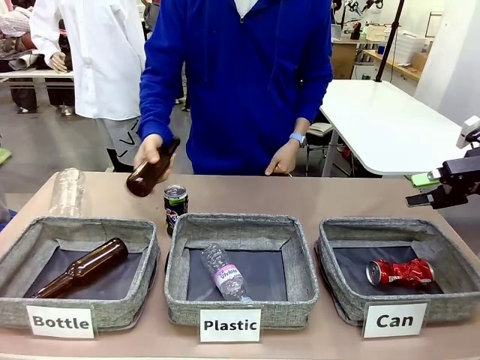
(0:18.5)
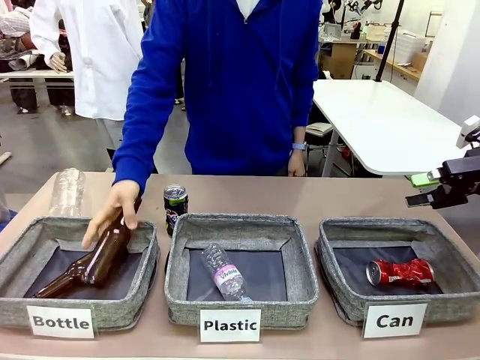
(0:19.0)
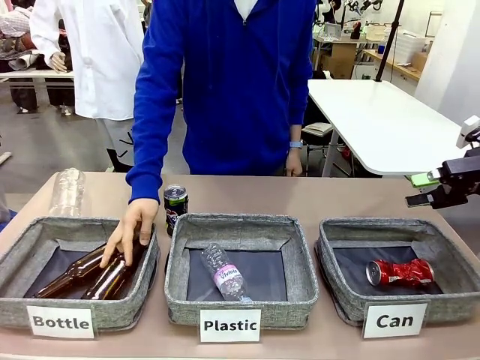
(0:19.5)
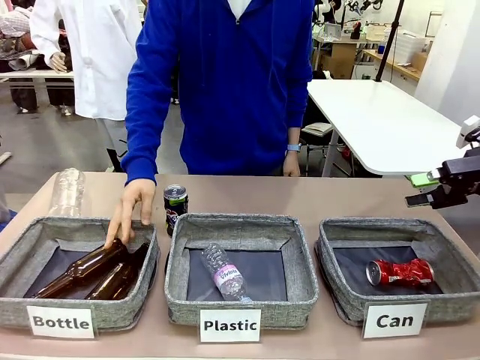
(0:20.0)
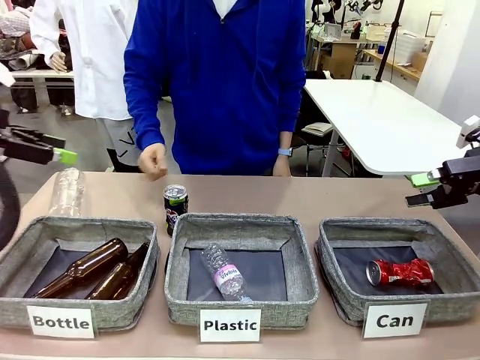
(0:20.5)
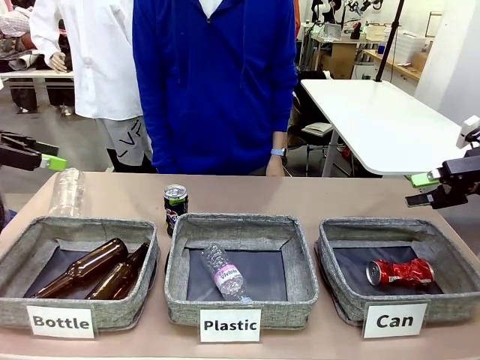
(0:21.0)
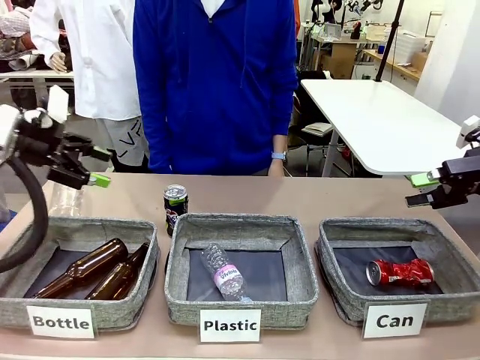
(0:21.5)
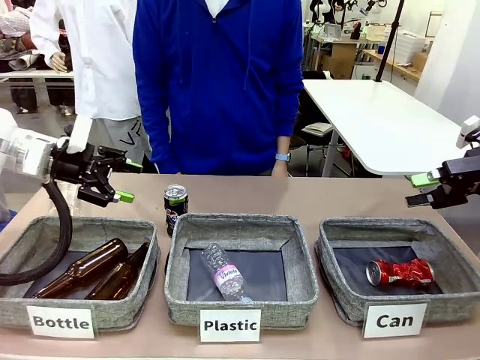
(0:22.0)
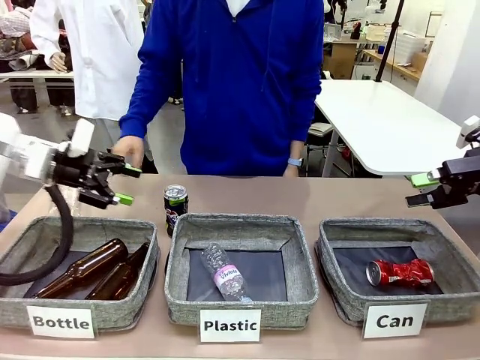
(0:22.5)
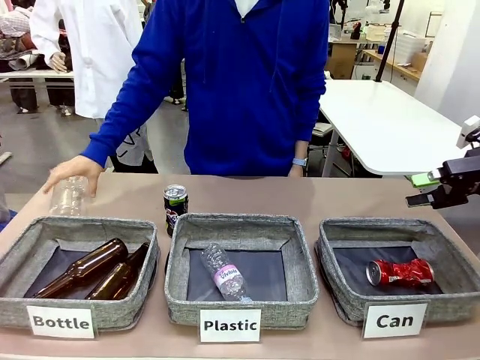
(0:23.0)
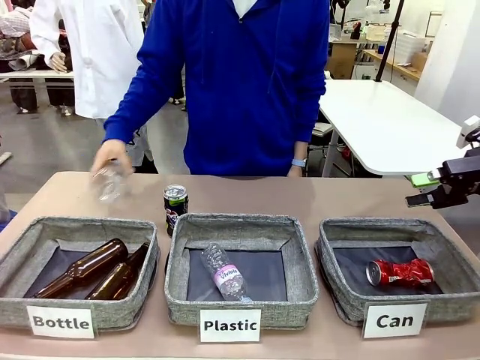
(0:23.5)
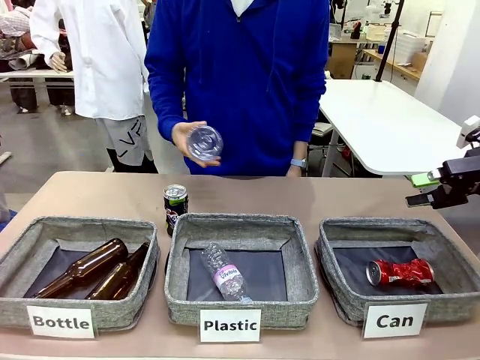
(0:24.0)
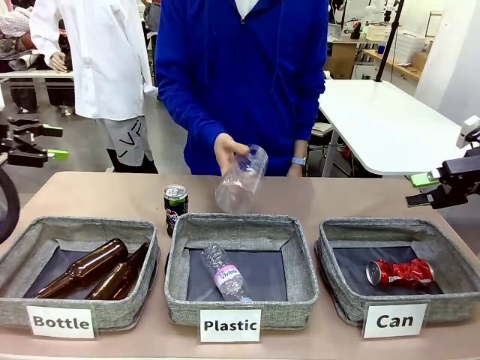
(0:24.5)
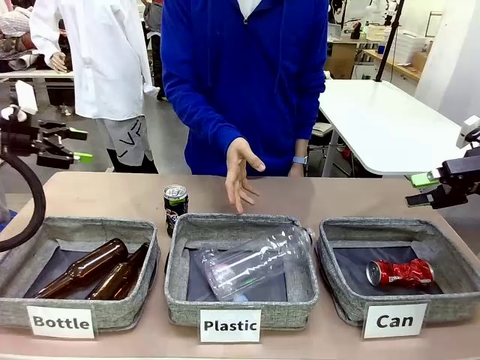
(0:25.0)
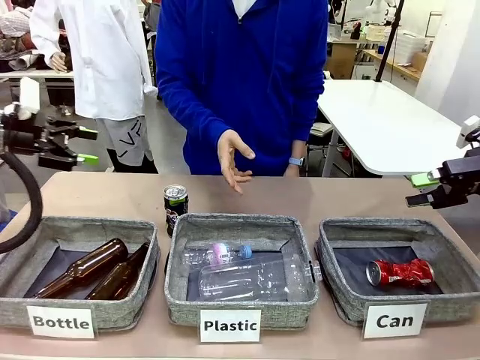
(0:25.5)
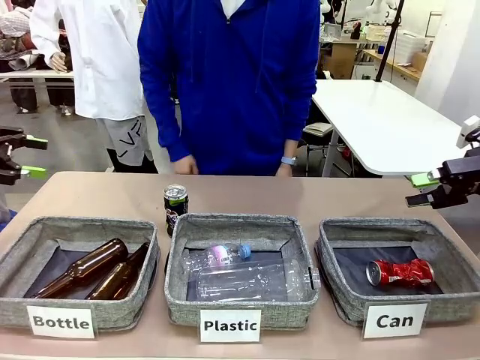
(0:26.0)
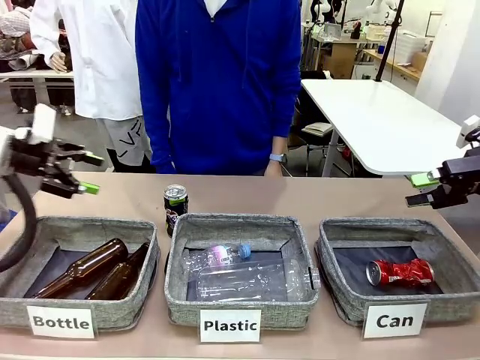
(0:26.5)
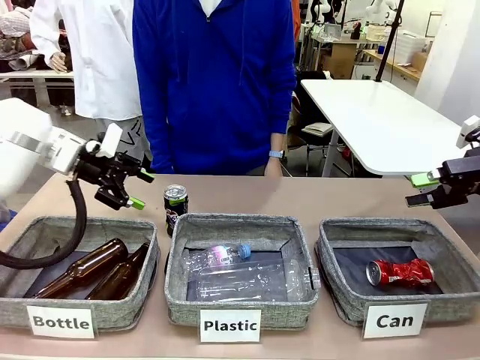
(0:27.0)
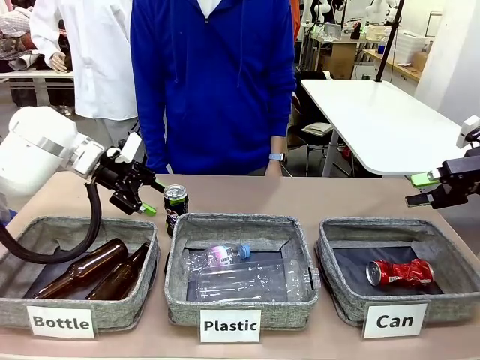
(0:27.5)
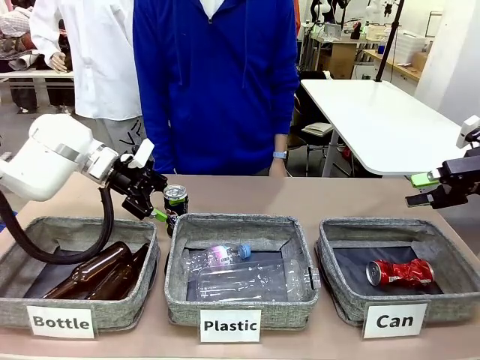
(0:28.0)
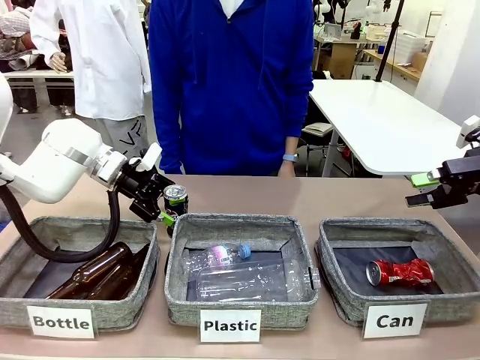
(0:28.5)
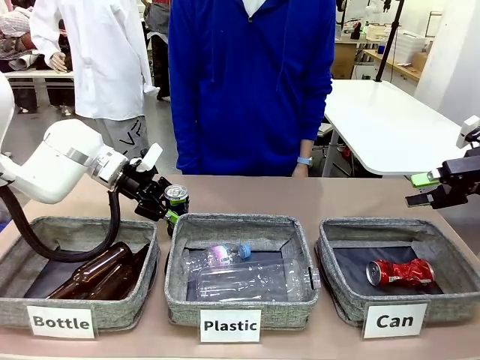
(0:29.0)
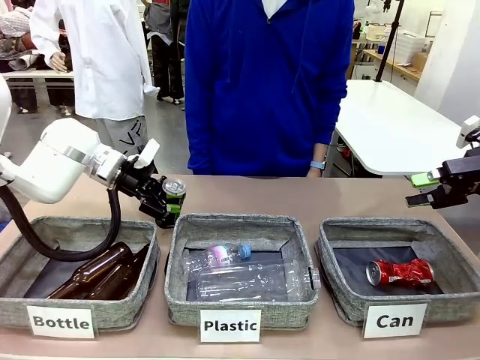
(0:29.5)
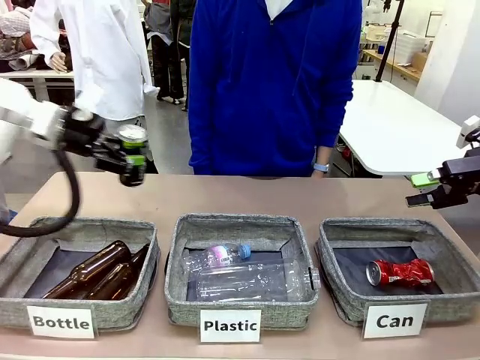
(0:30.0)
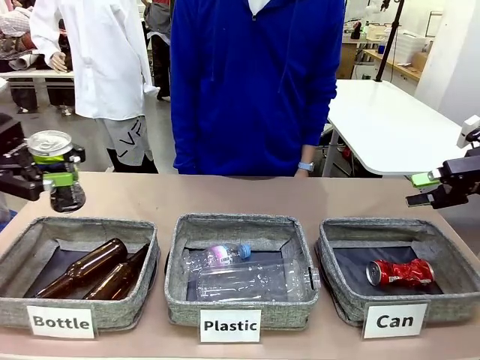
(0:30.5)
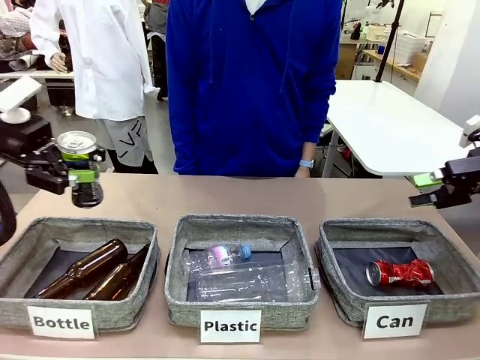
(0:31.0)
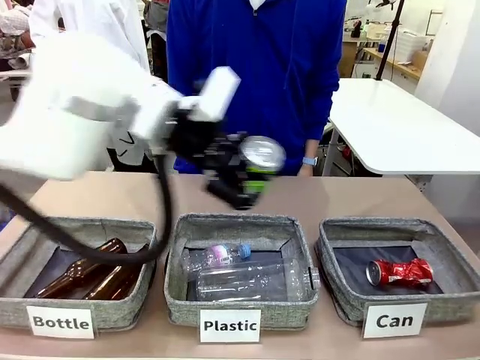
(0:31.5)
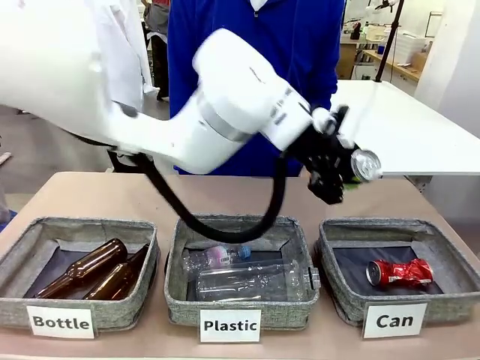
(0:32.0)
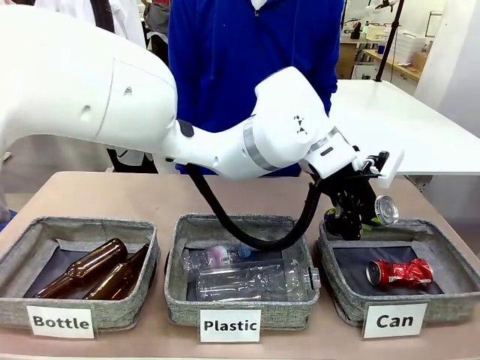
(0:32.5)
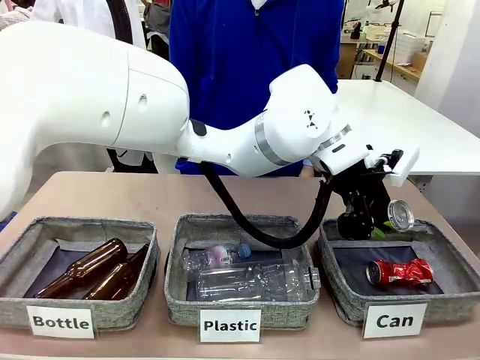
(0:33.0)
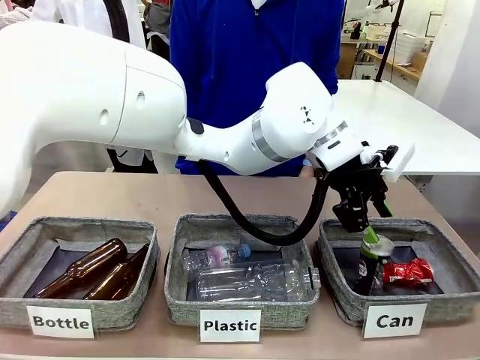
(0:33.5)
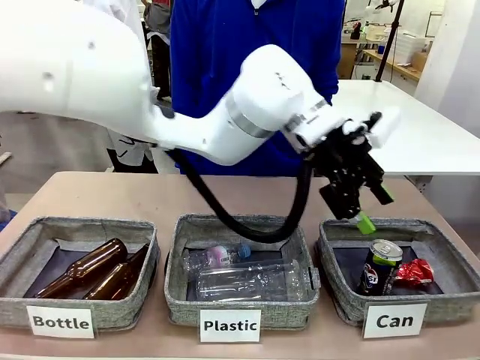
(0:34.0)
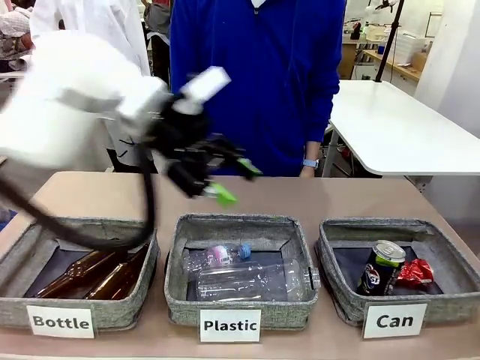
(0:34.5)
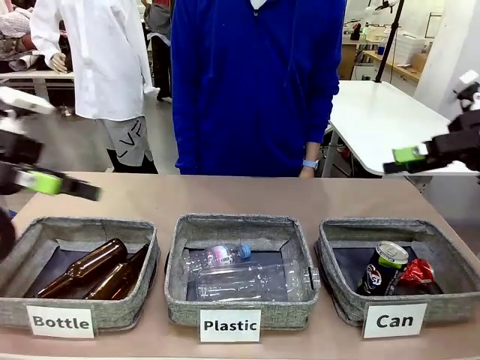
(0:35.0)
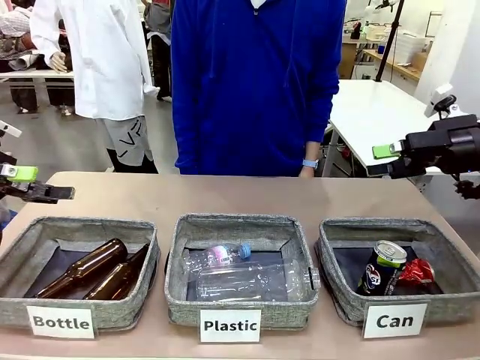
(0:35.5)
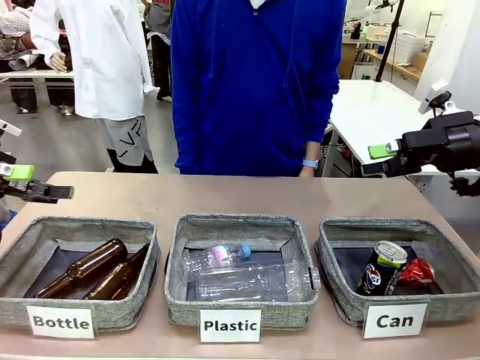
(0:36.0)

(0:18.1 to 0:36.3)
Task: Sort the can waste into the basket.
Robot: Pick up the can waste from the table and place it in the right Fabric basket.
Person: The human picks up one piece of trash that is not a can and places the trash into the appropriate organizing basket.
